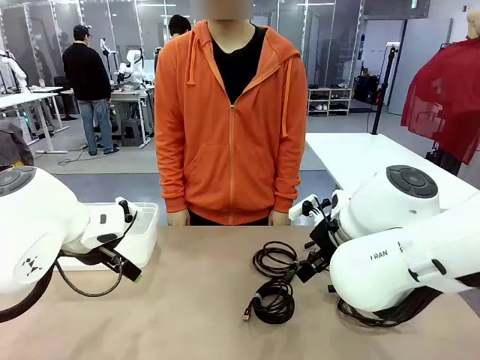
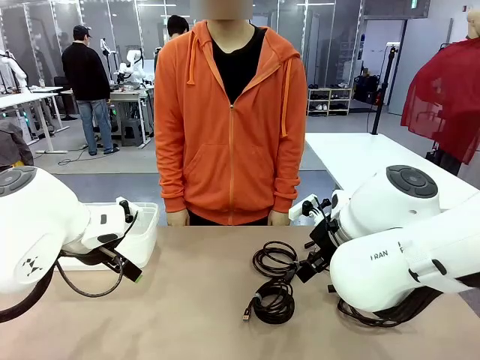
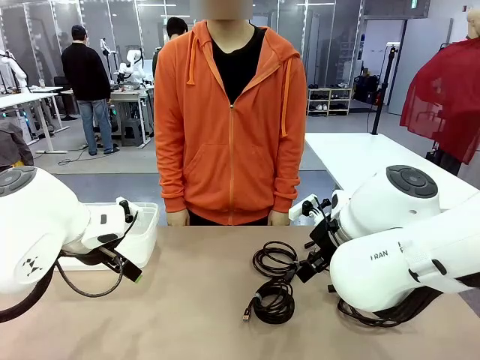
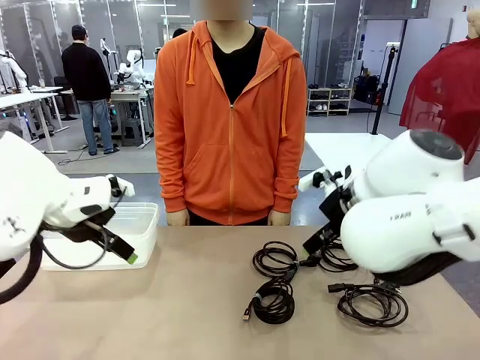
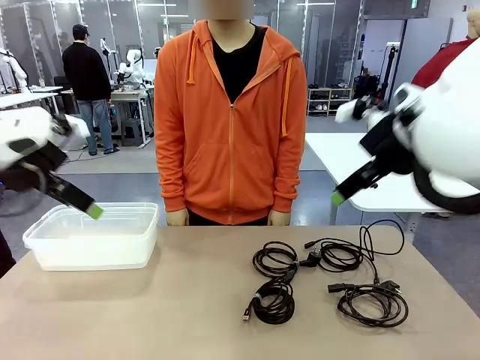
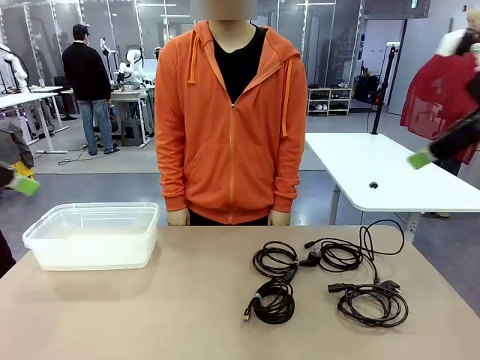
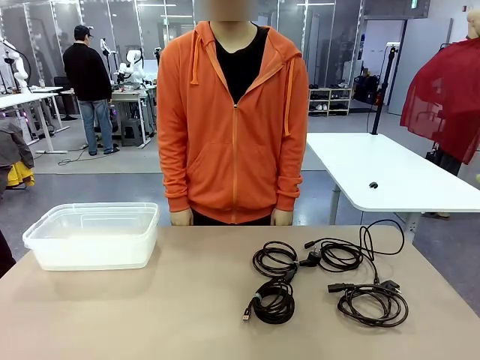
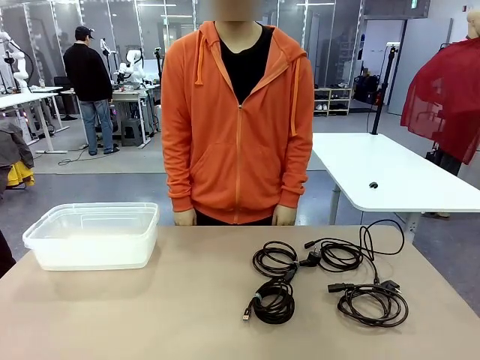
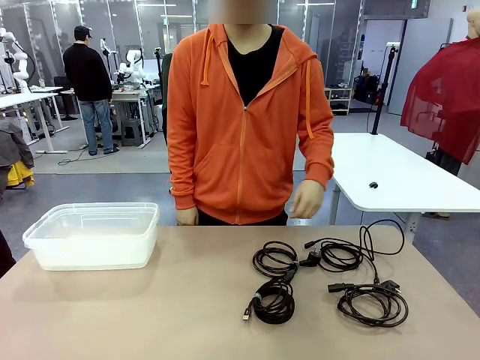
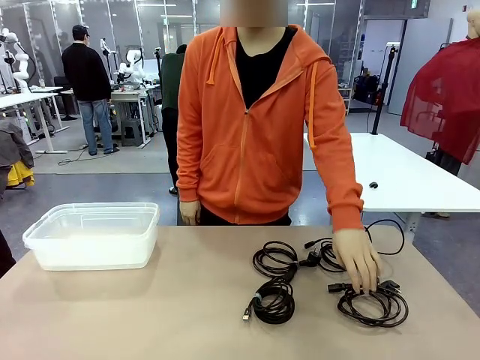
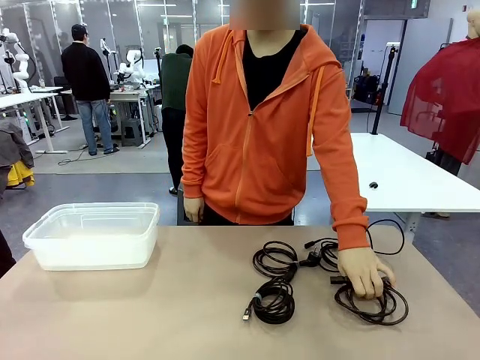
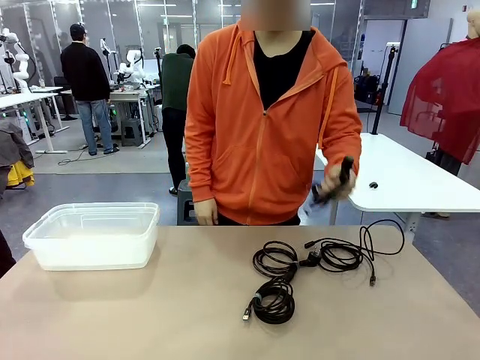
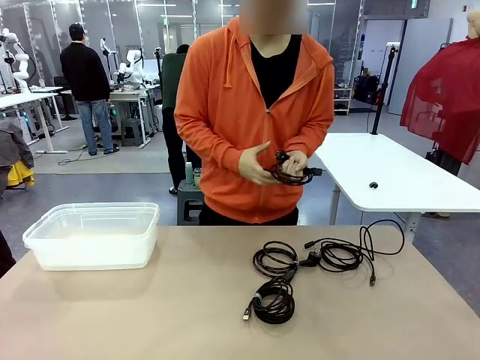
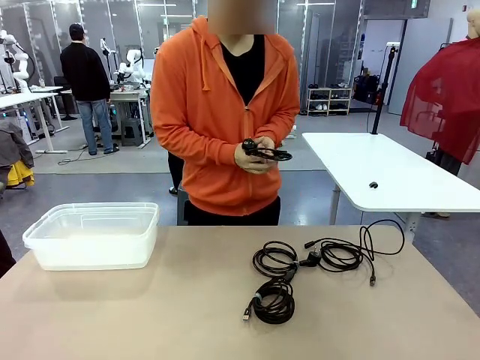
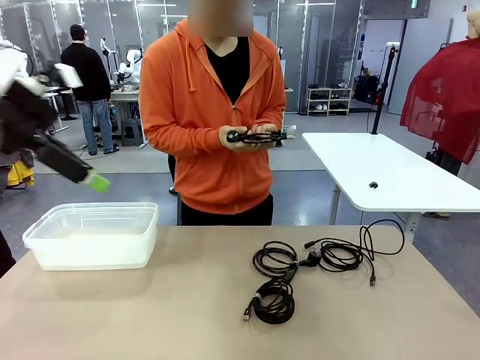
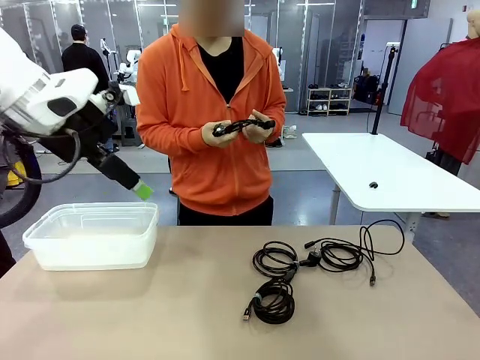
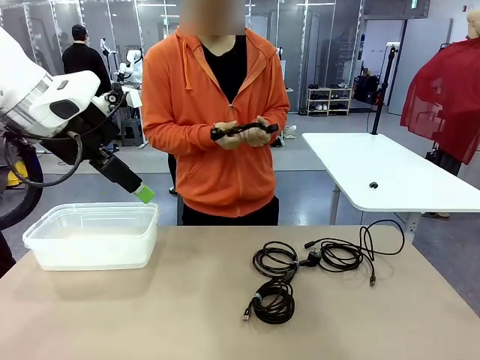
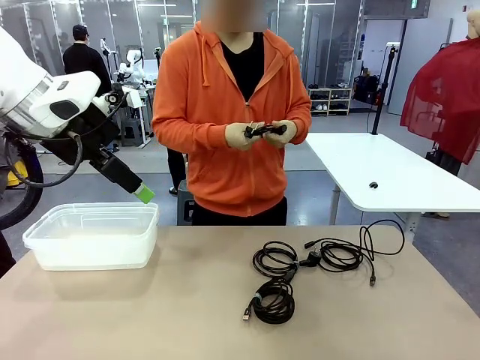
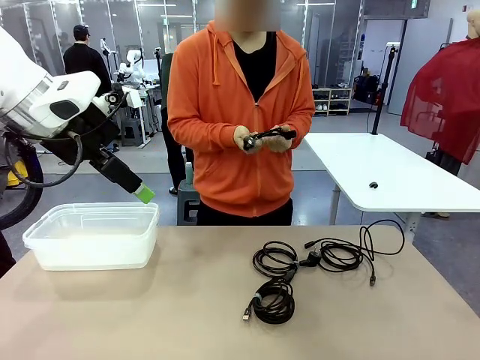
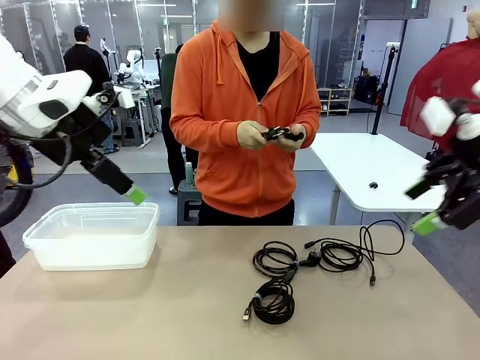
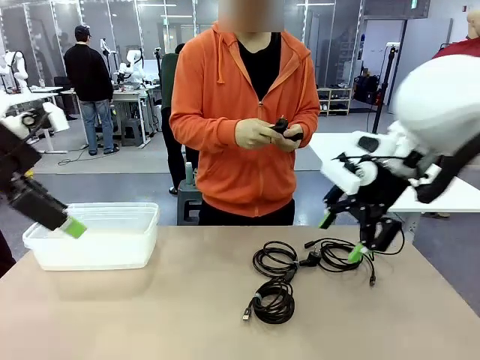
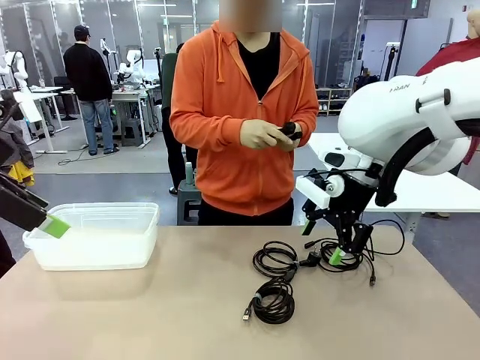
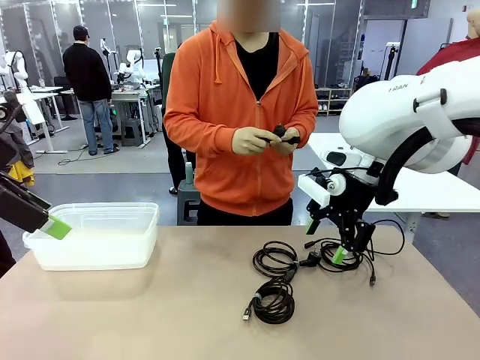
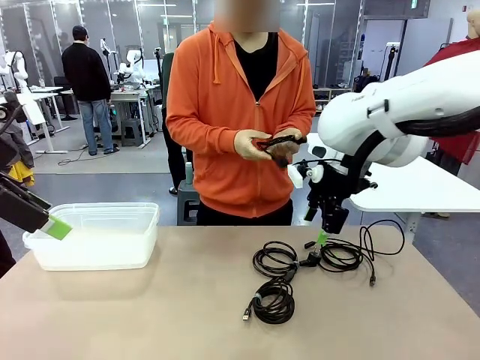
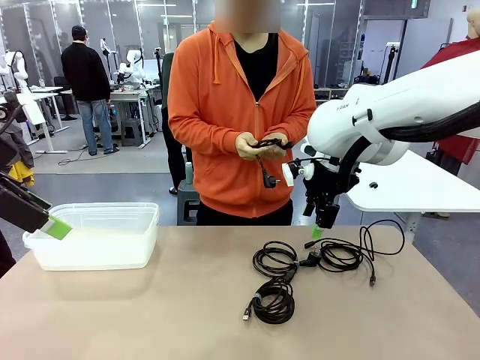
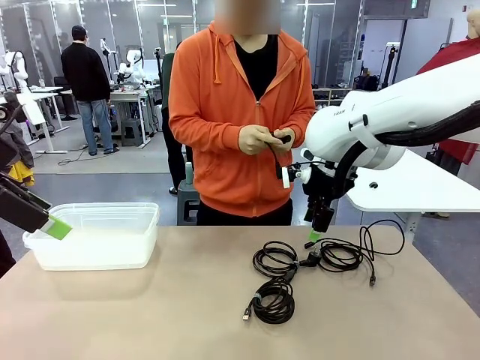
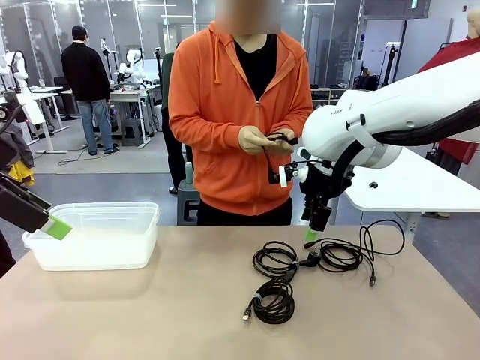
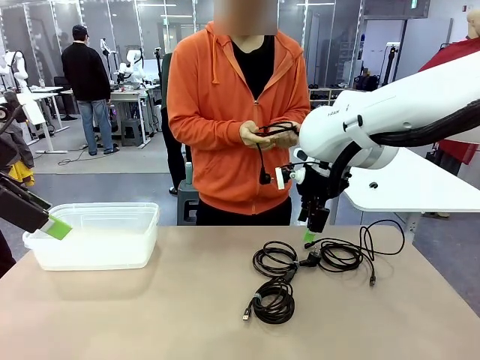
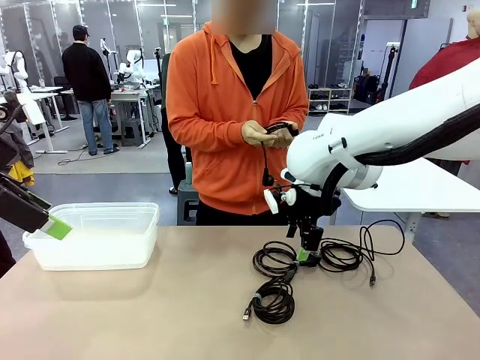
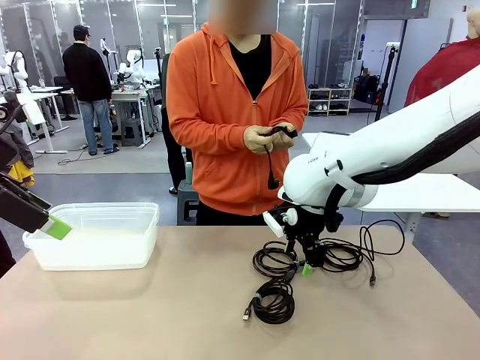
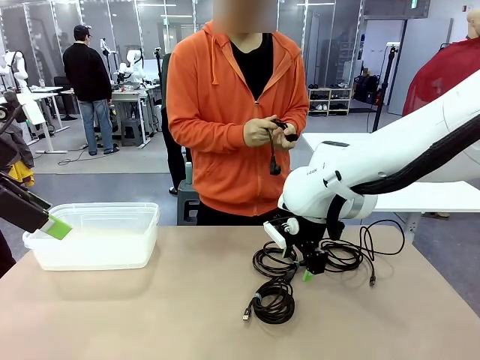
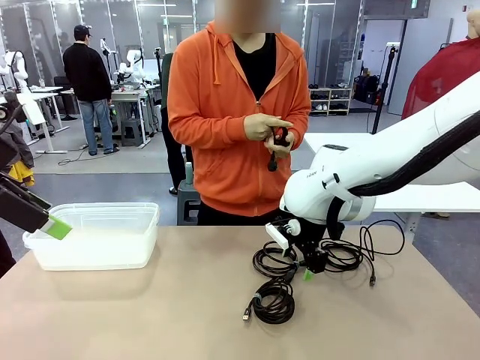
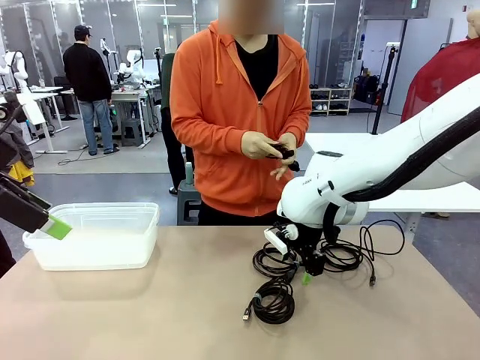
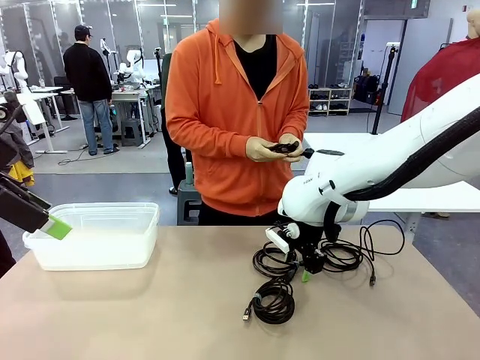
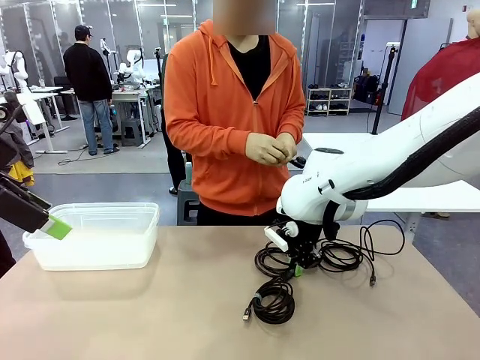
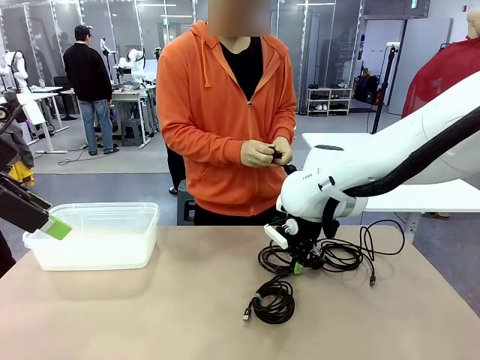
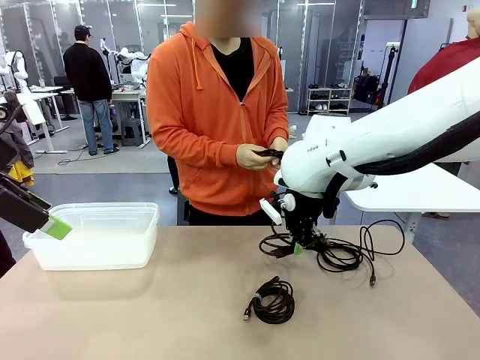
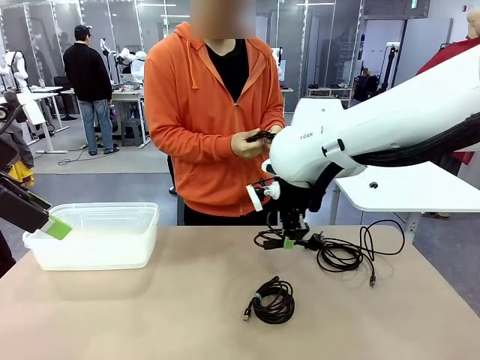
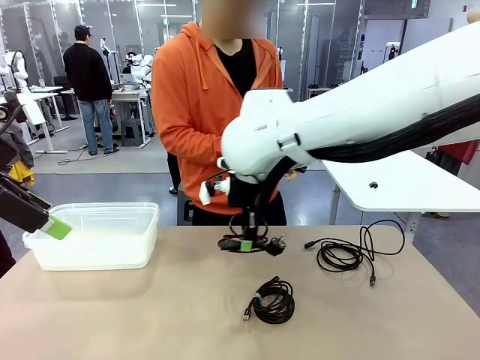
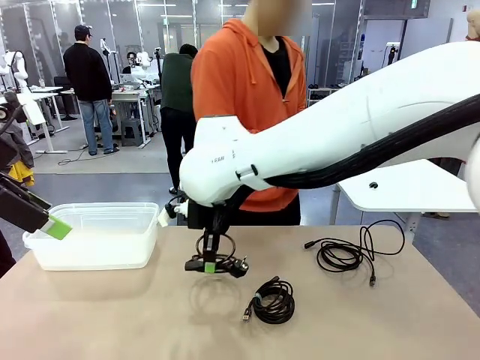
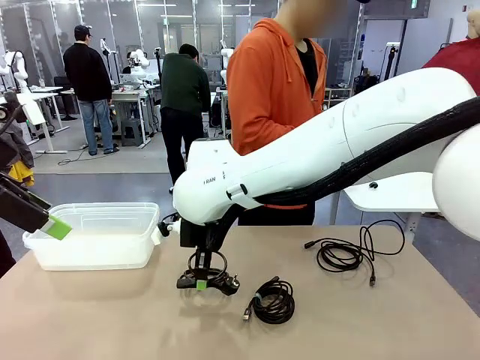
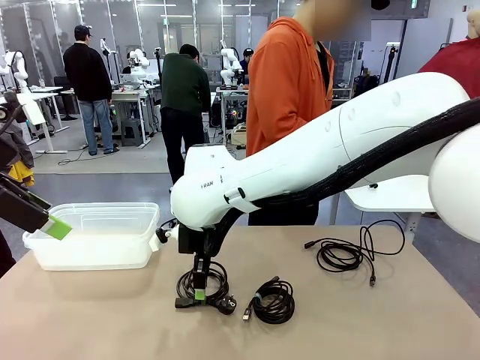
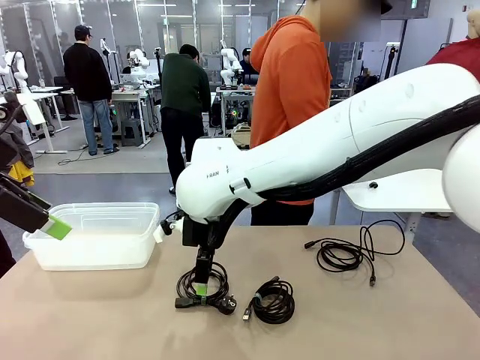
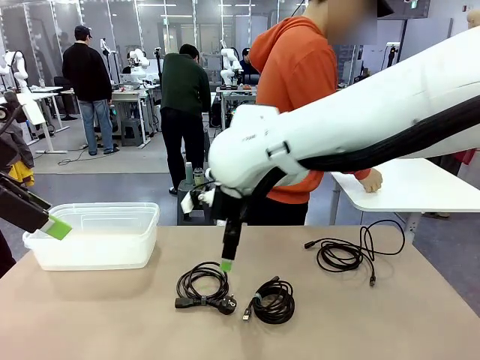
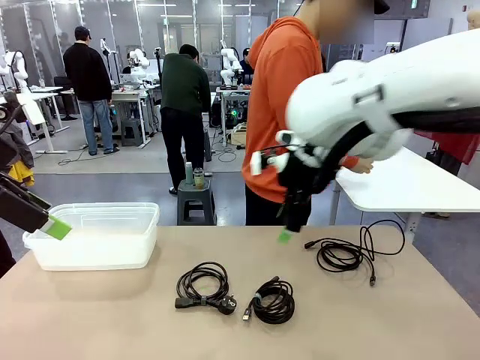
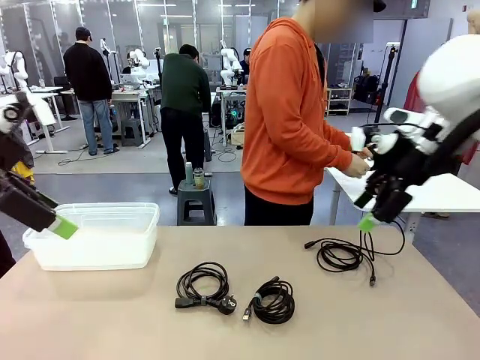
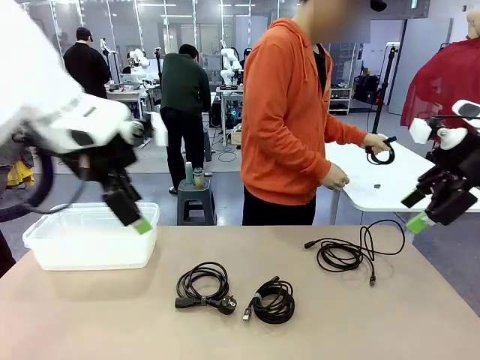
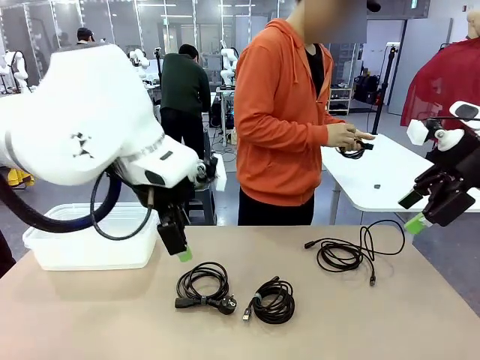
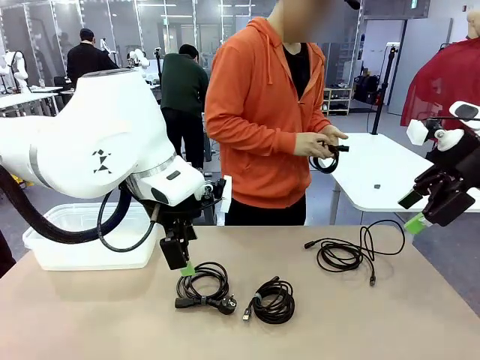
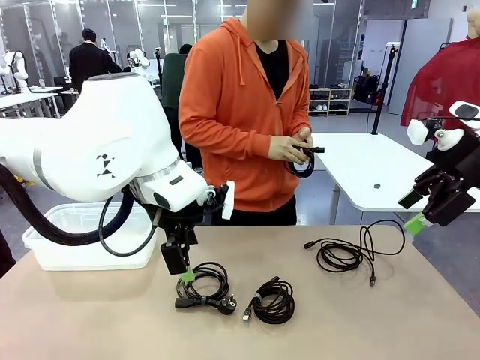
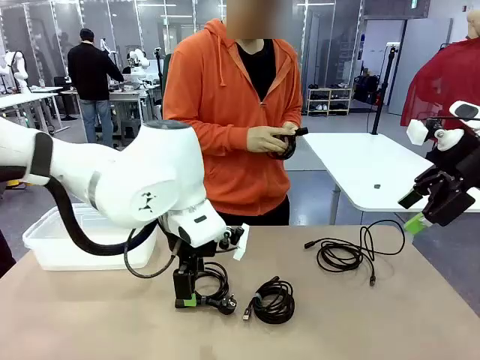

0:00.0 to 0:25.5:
Task: Organize and store the cables.
Robot: Place the Power Cable into the Organizing box.
Person: Tie one Power Cable with a Reusable Cable Tie.
